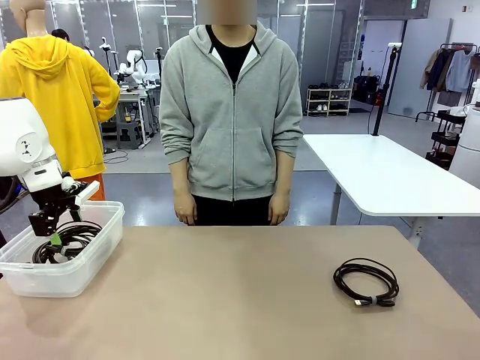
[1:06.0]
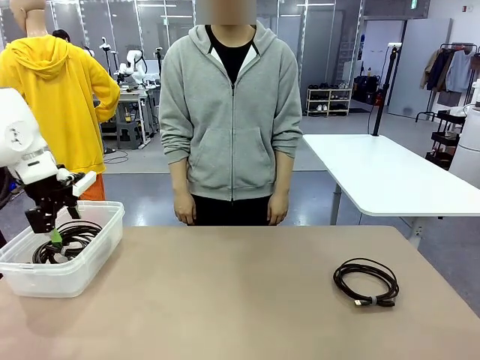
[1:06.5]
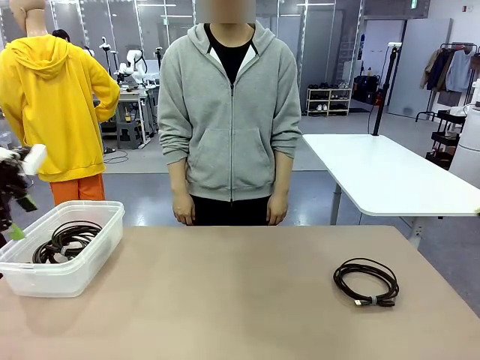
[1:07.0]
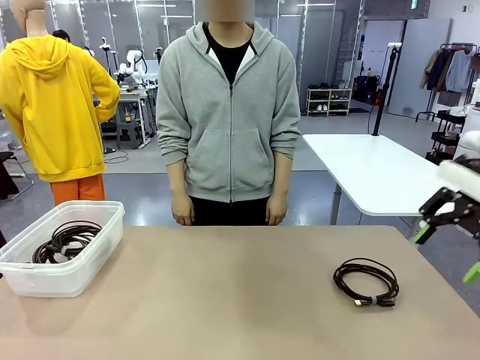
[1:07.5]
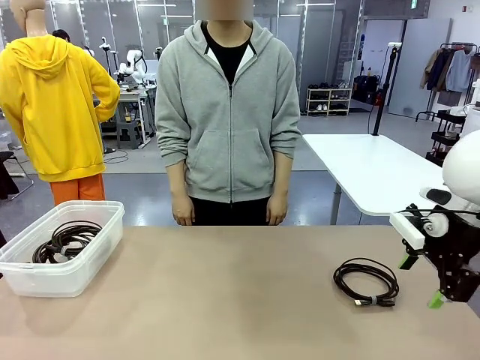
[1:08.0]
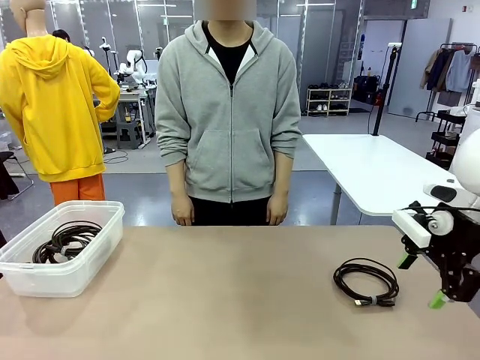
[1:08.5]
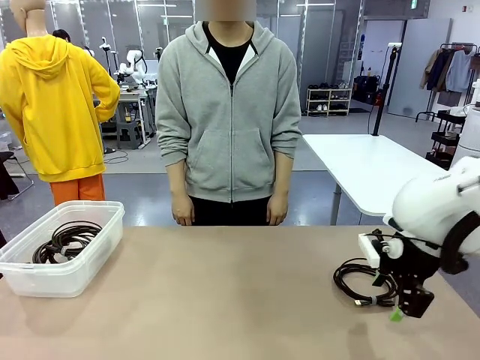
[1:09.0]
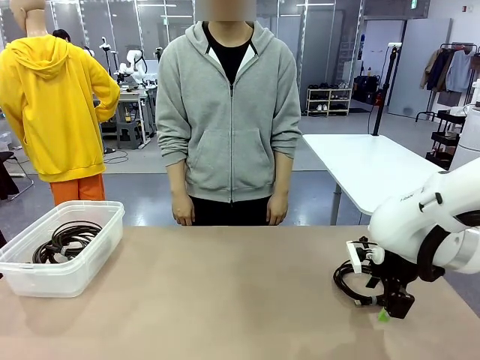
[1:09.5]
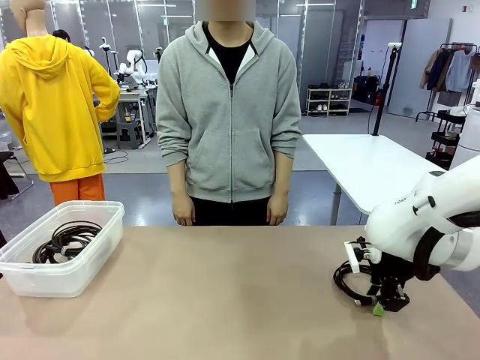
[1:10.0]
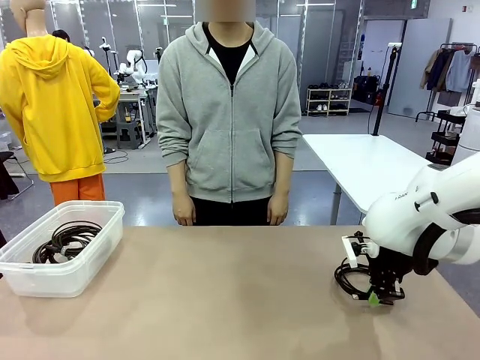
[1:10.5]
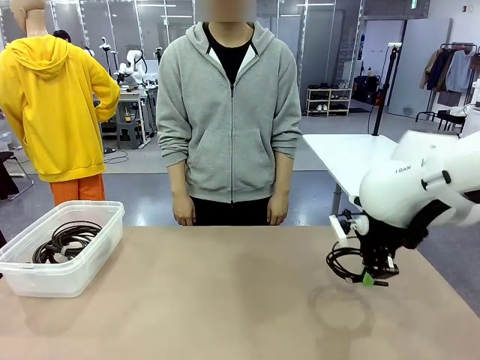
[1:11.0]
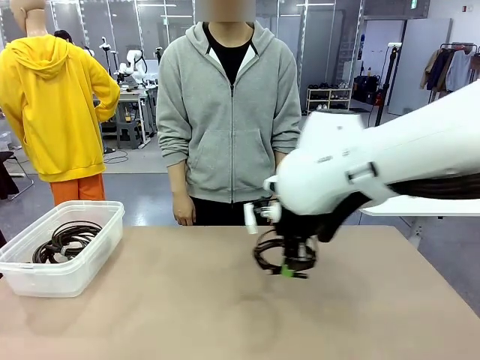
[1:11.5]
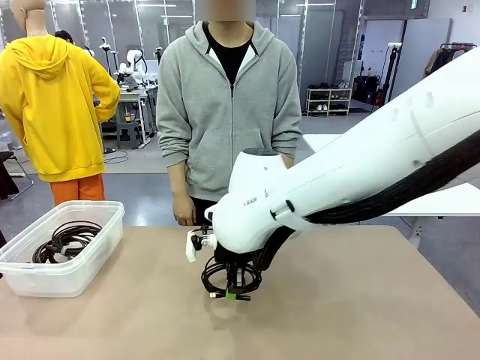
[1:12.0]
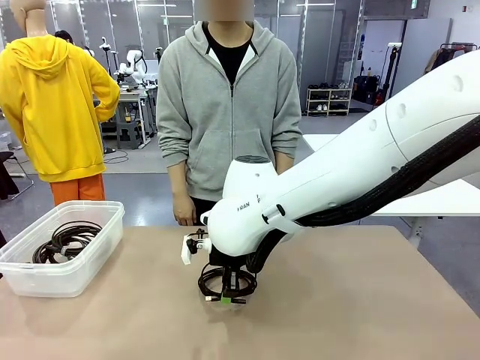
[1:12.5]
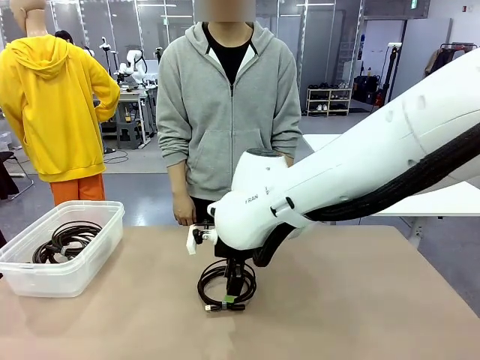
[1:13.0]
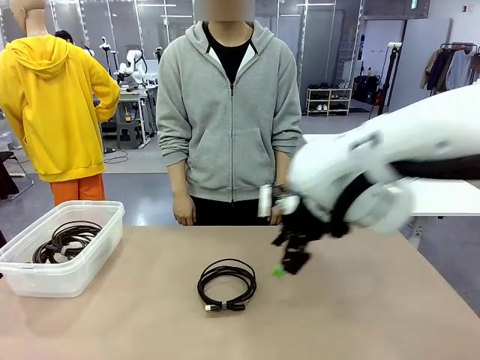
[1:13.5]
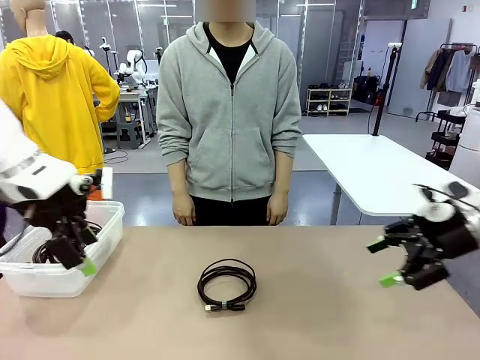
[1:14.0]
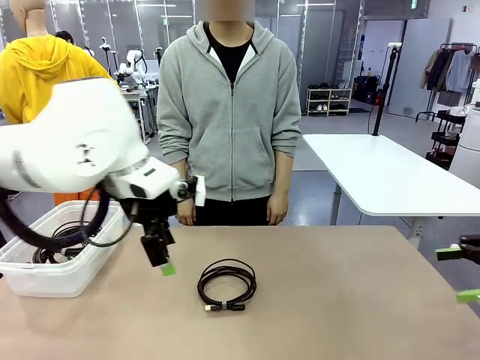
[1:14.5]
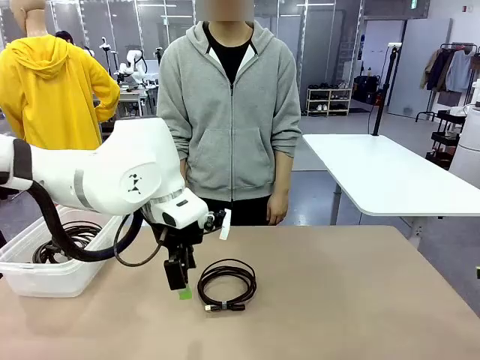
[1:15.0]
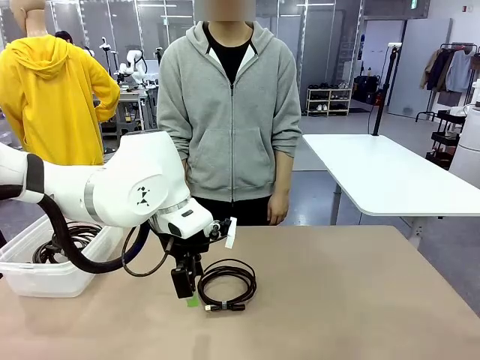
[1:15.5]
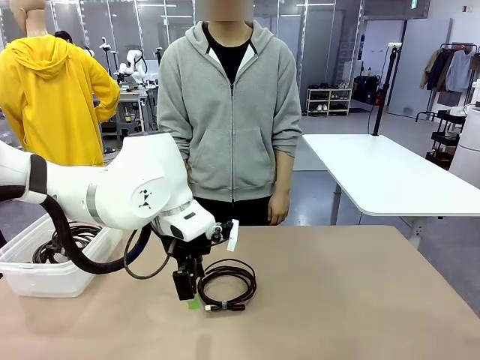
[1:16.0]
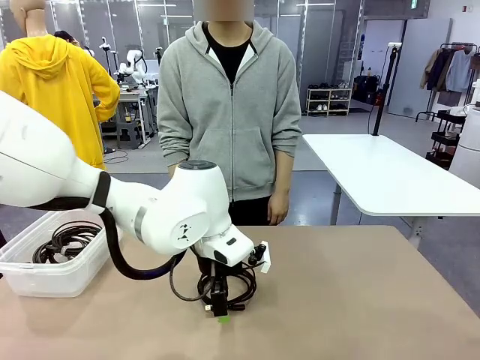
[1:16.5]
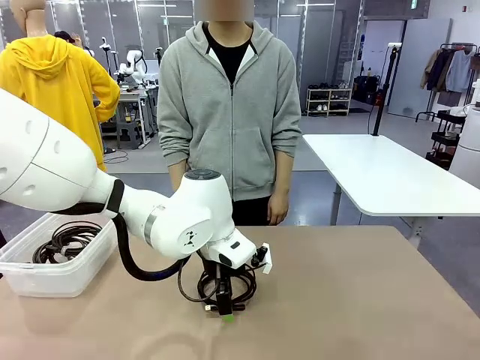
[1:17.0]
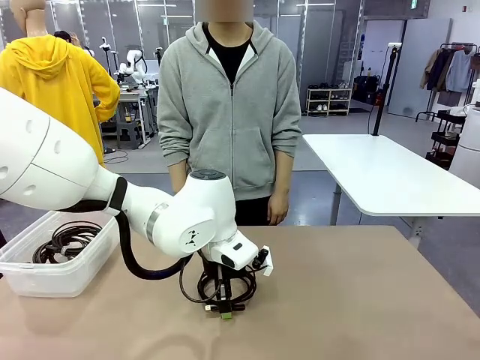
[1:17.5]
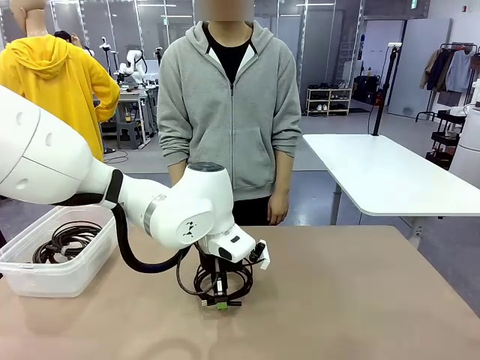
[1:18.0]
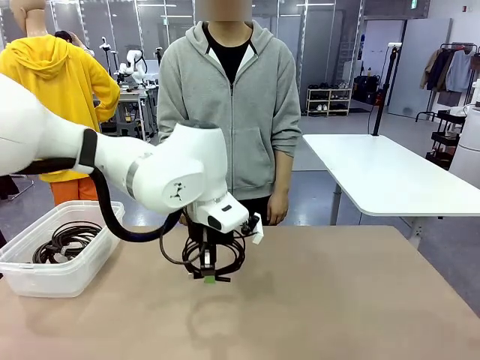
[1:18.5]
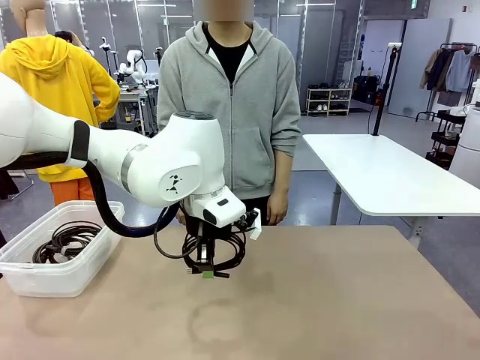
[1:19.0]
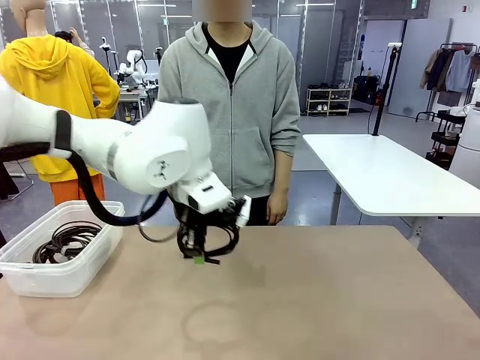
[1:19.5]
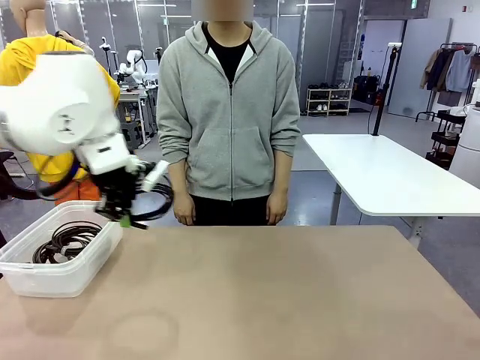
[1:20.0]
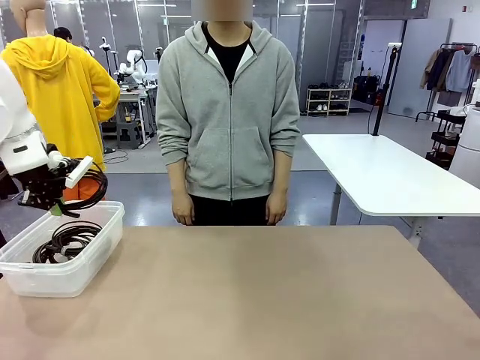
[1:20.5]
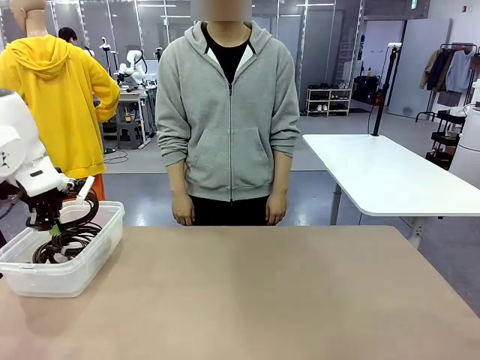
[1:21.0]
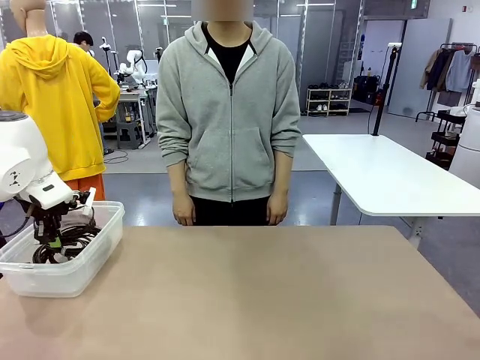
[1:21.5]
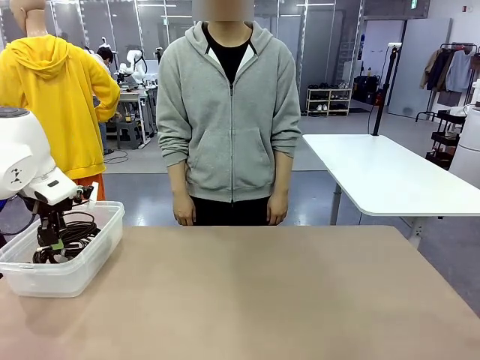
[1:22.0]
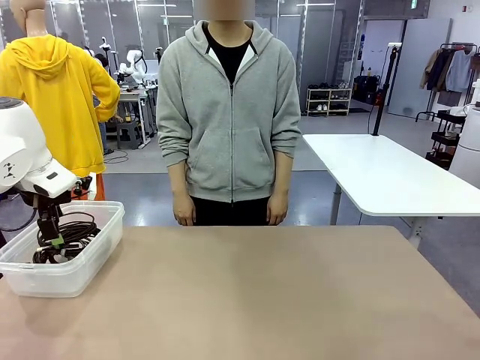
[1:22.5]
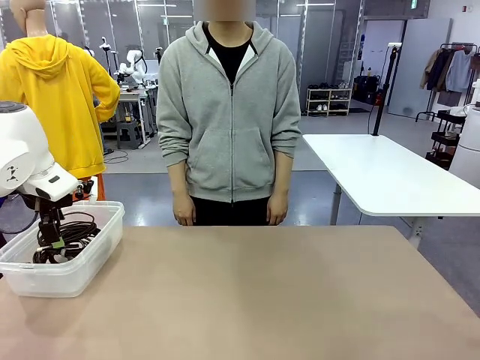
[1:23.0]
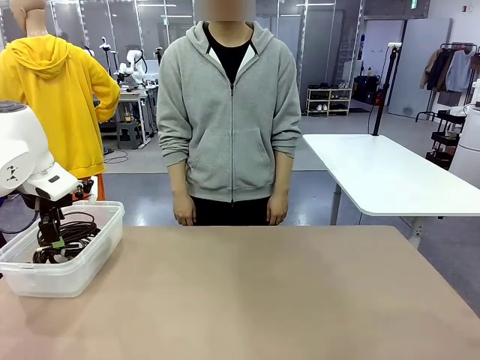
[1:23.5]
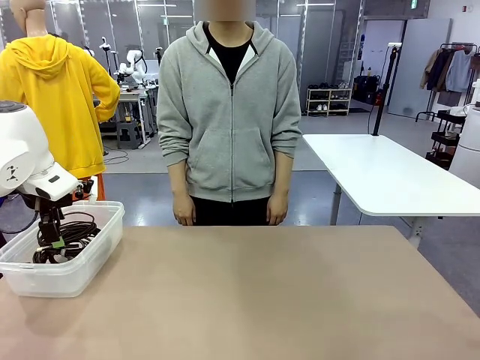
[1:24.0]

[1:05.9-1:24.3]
Task: Organize and store the cables.
Robot: Place the USB Extension Cable into the Organizing box.

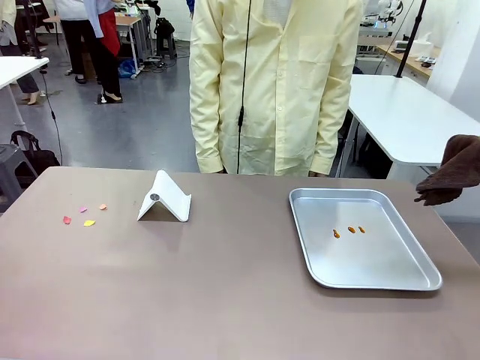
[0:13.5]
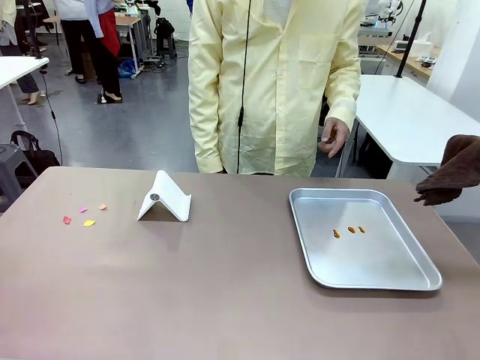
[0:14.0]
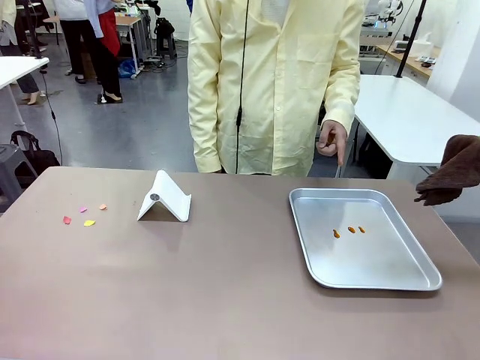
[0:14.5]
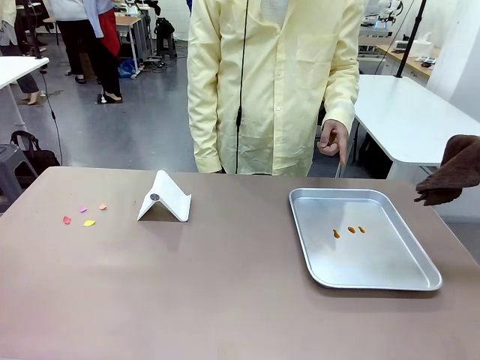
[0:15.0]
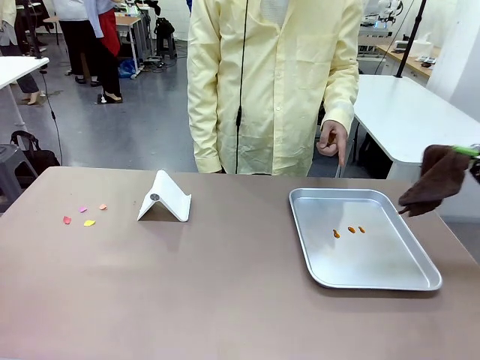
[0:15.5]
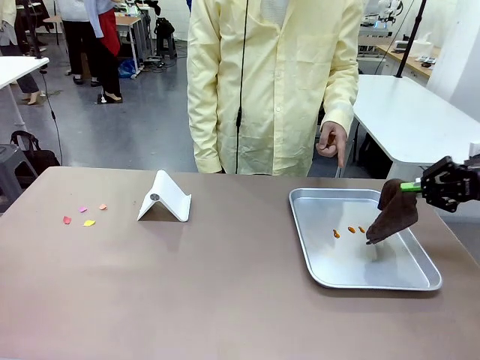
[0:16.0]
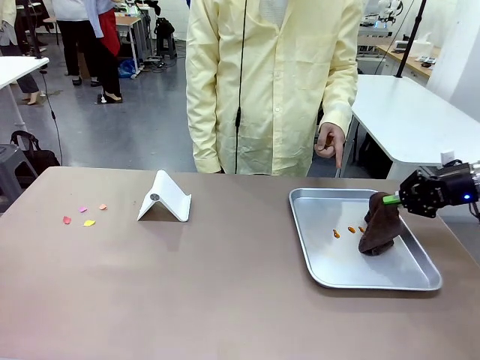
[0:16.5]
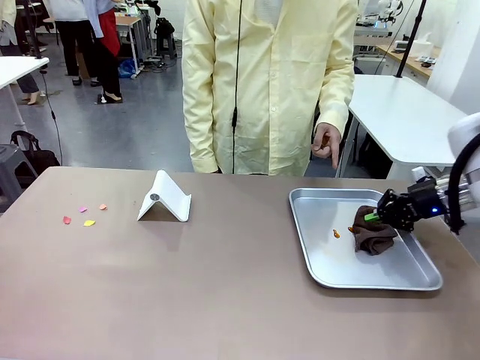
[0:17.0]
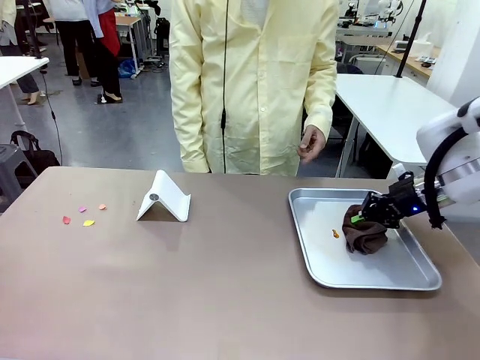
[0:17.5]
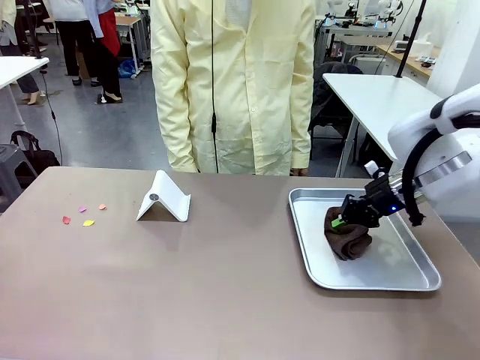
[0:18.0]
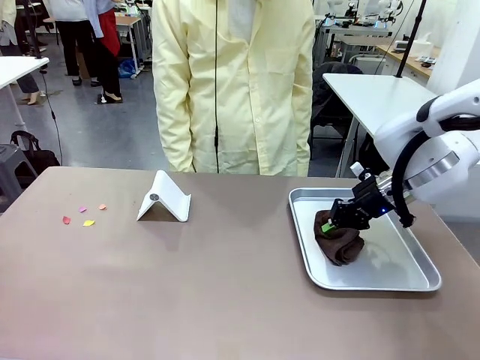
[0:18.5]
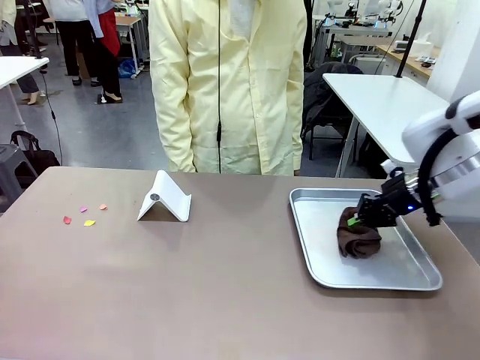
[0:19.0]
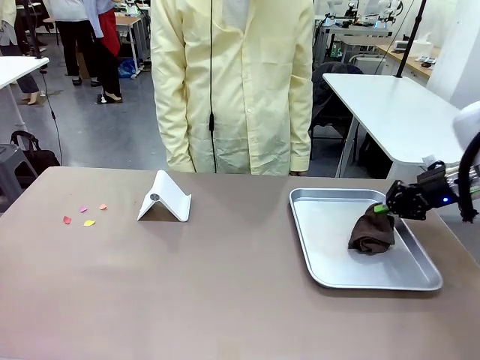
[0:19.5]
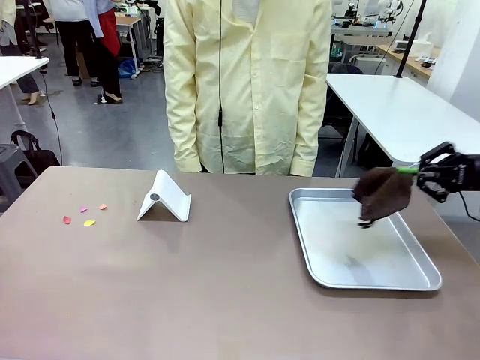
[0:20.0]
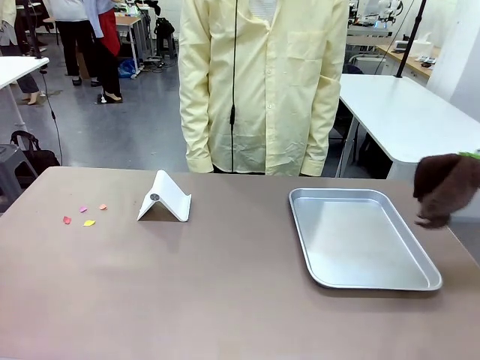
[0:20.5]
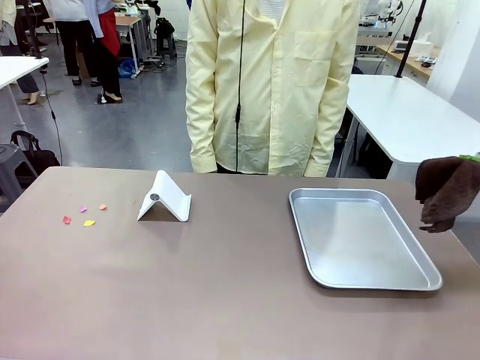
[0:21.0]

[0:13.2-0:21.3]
Task: Clean the surface of the table.
Robot: If a person points to the right, clean the right side of the table with your right hand, and if they point to the left, clean the left side with your left hand.
